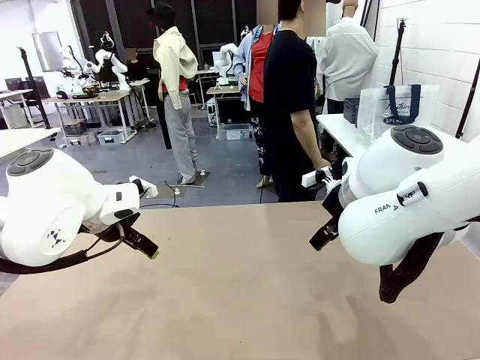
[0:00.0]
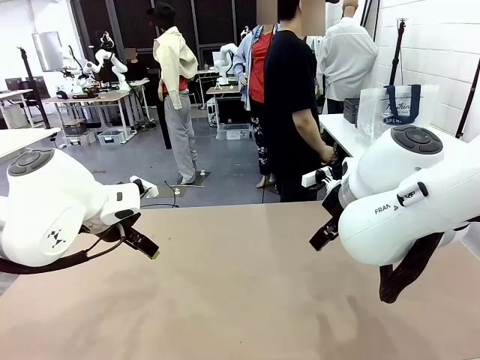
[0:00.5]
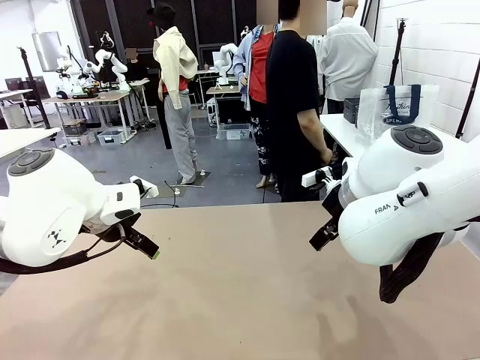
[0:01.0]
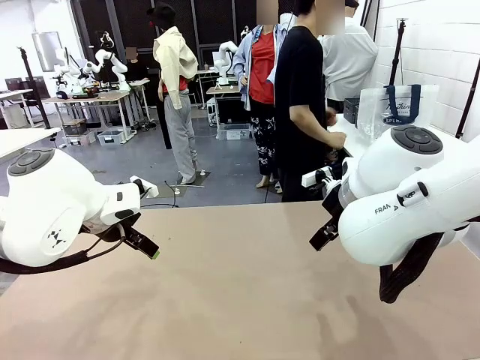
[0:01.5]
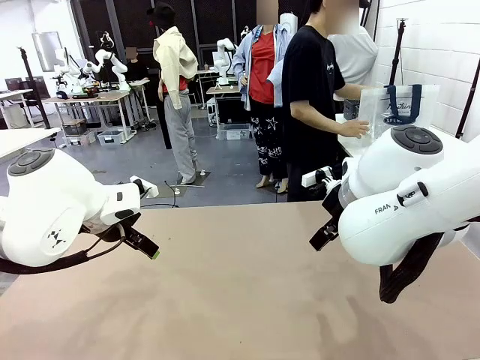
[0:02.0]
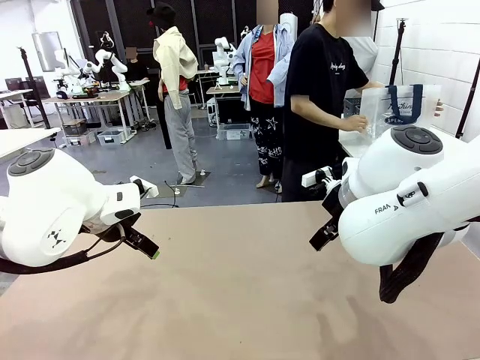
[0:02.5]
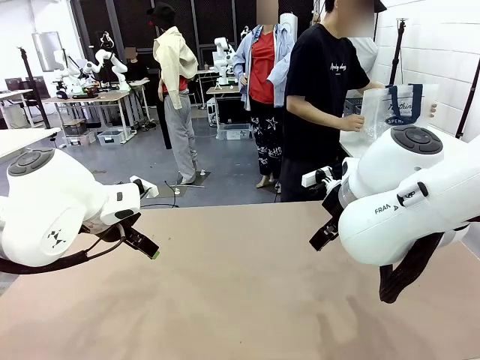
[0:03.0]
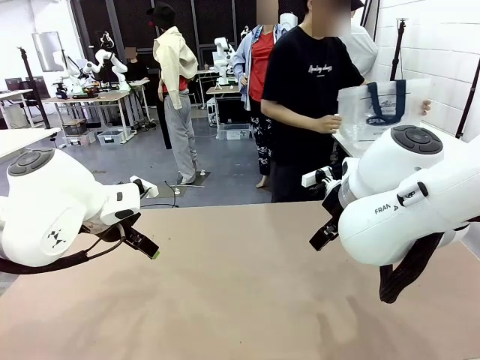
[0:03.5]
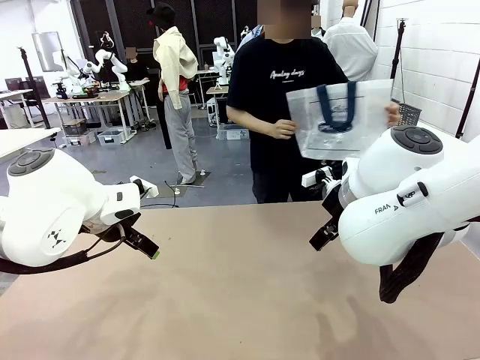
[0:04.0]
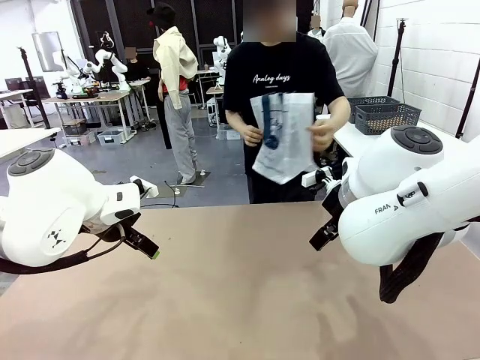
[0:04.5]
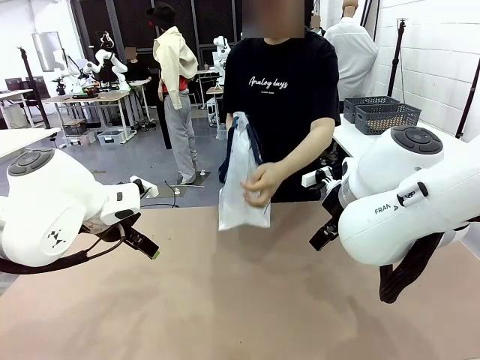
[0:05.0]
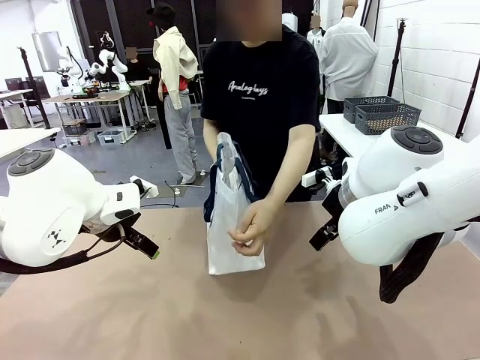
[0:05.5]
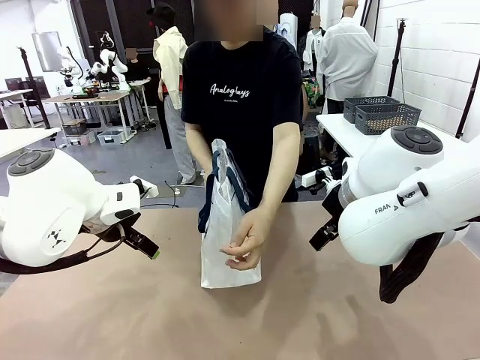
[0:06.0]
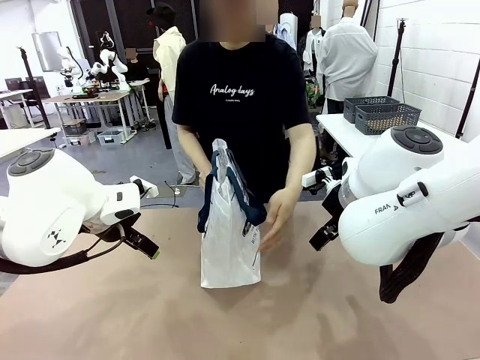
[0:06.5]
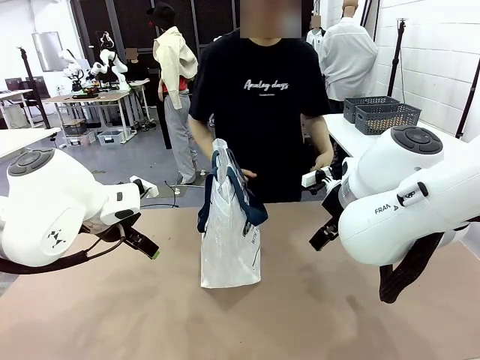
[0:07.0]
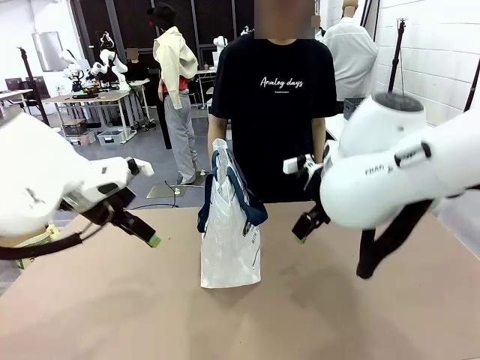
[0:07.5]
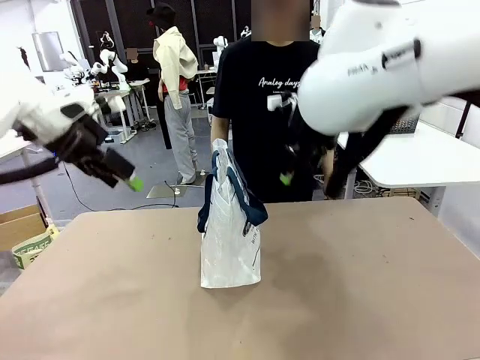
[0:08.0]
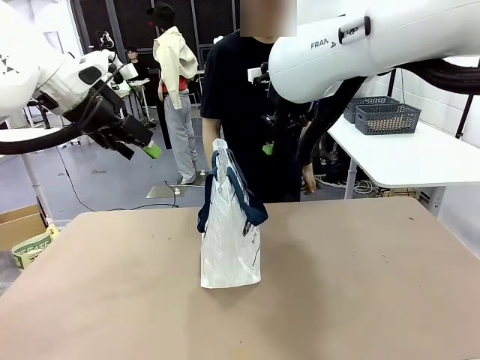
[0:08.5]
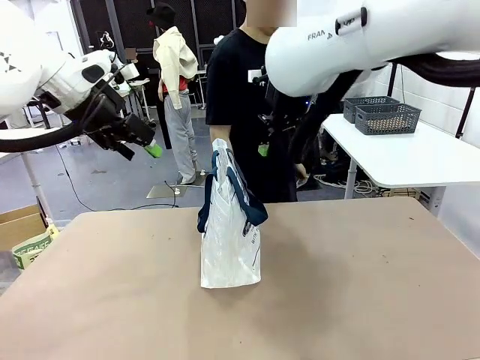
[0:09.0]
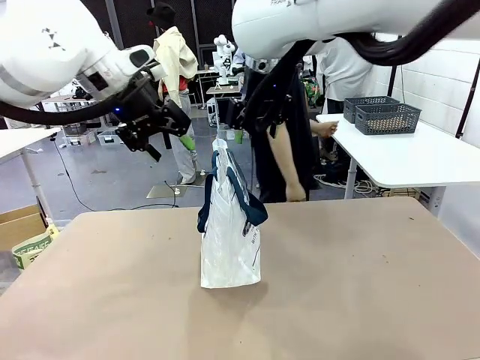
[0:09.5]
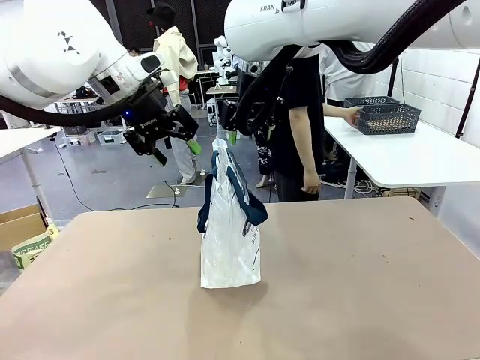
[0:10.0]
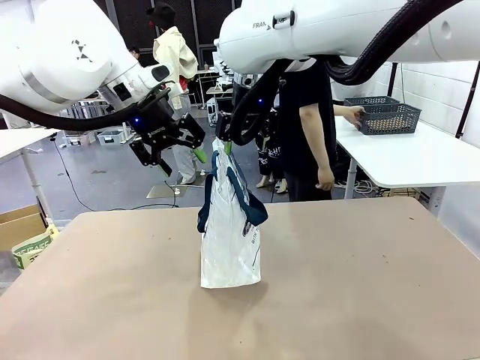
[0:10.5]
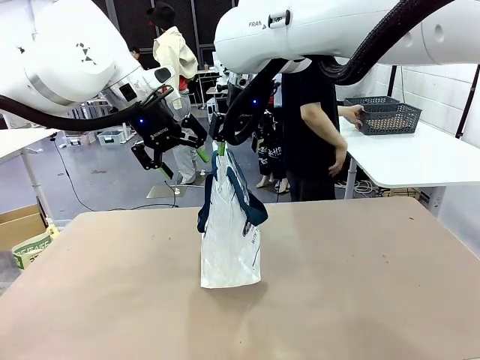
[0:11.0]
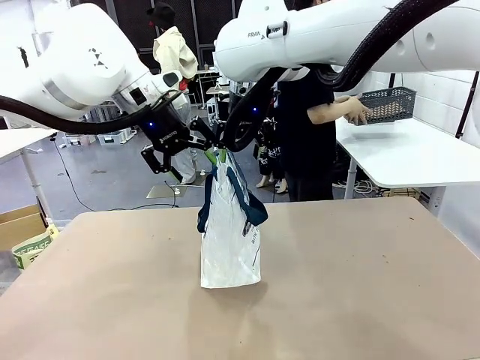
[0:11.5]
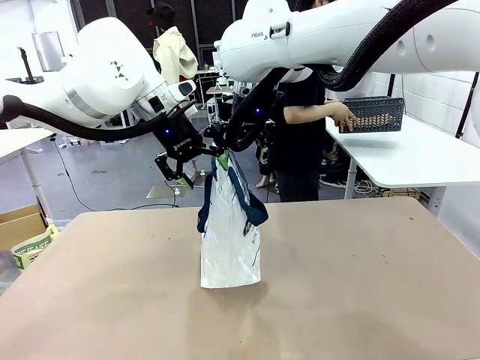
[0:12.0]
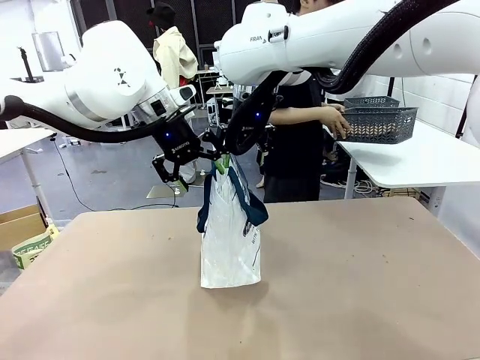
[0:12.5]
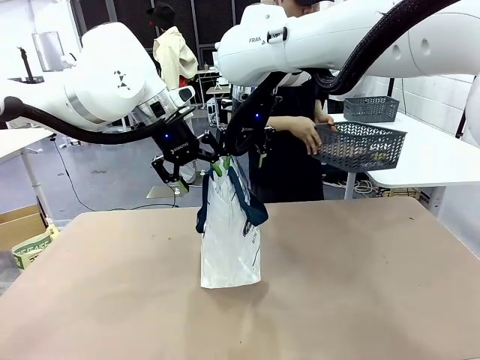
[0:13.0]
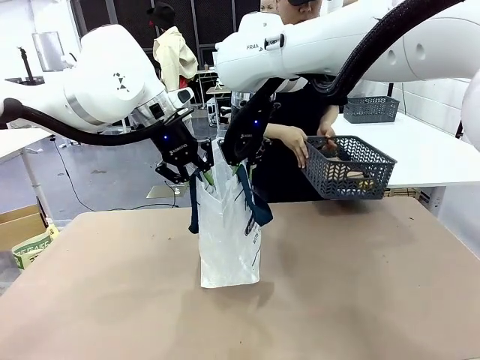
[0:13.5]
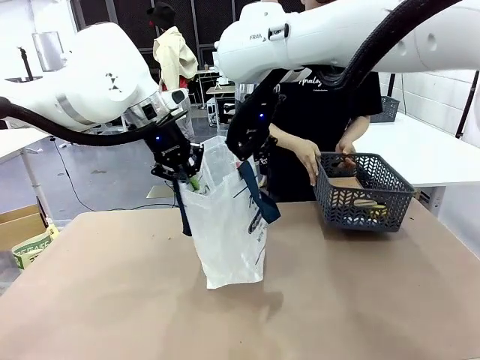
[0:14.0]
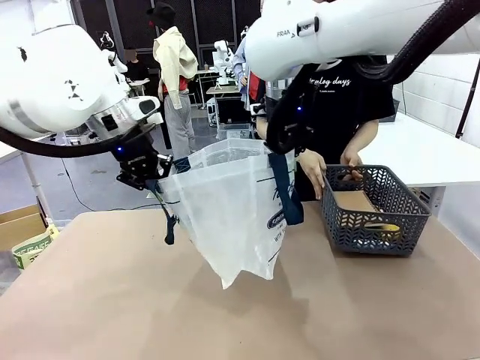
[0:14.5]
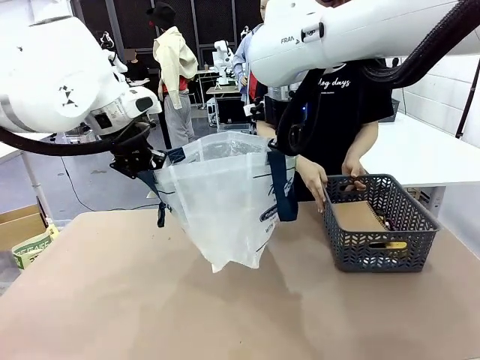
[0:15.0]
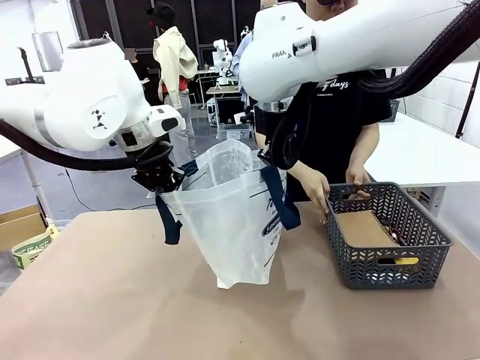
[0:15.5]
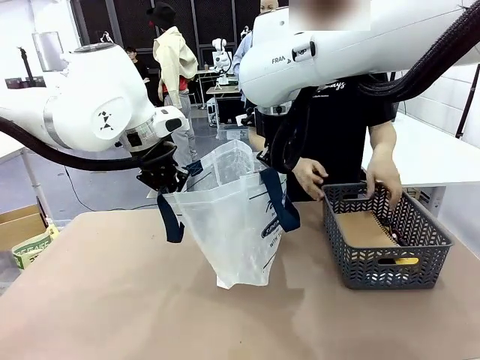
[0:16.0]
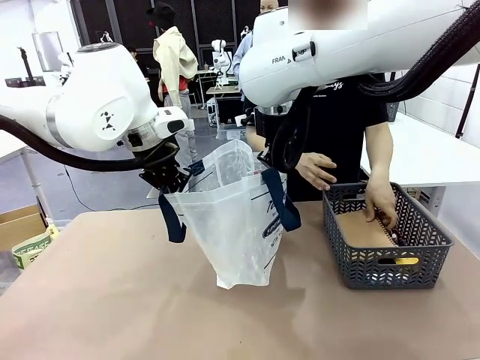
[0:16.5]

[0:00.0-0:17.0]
Task: Transfer purchased items from the store into the shopping bag.
Robot: Open the Reusable shopping bag in the center of the table.
Person: Pick up the shopping bag and place it in the middle of the robot table.

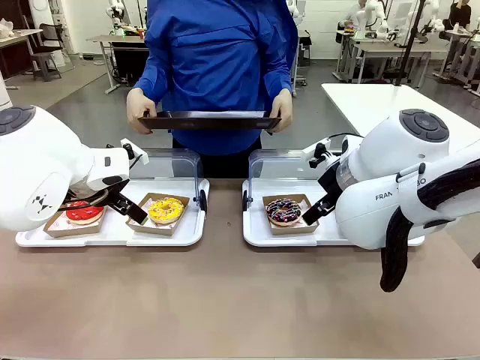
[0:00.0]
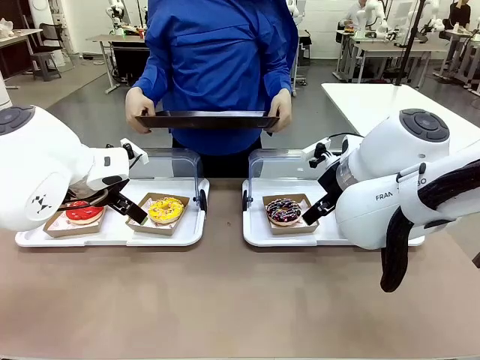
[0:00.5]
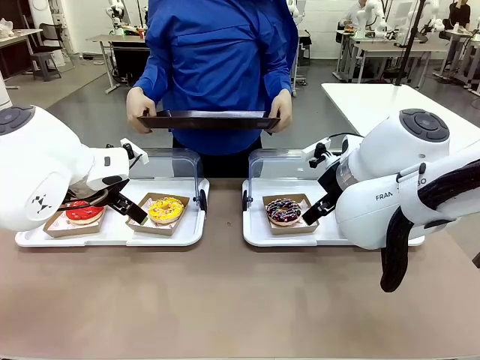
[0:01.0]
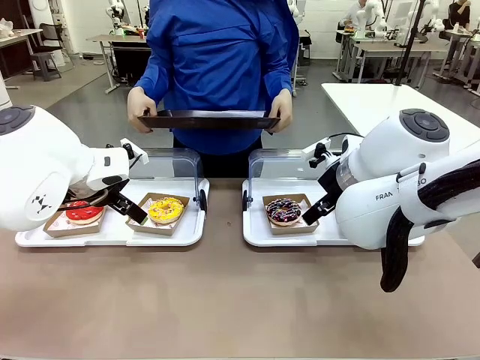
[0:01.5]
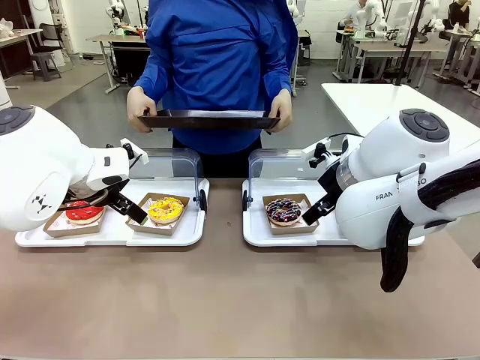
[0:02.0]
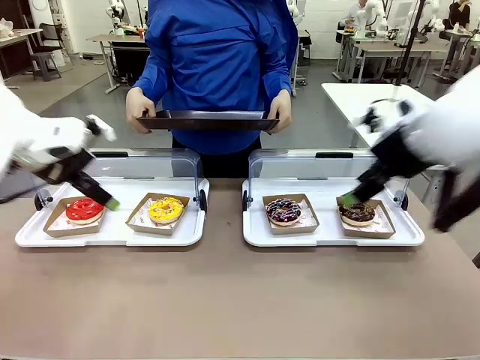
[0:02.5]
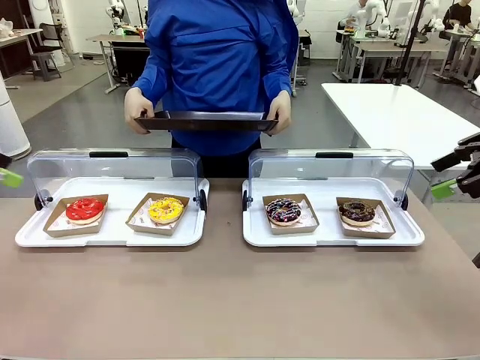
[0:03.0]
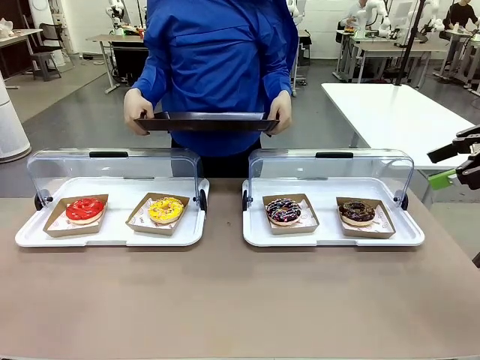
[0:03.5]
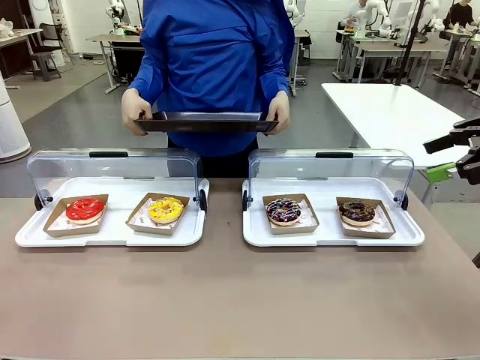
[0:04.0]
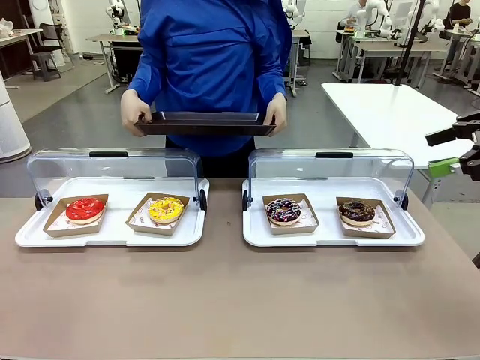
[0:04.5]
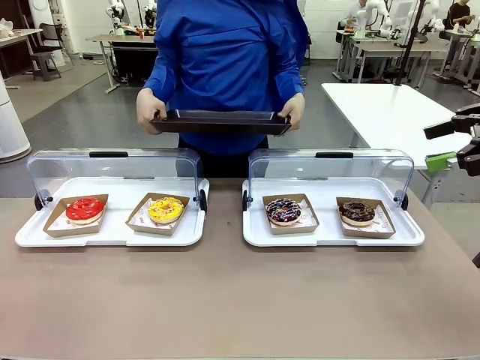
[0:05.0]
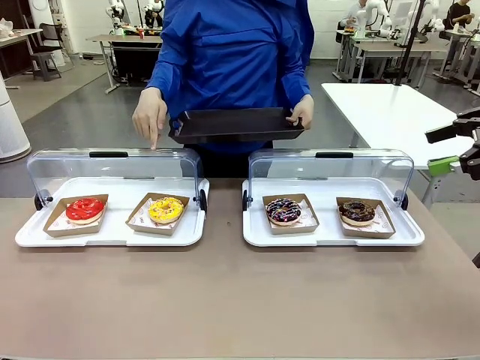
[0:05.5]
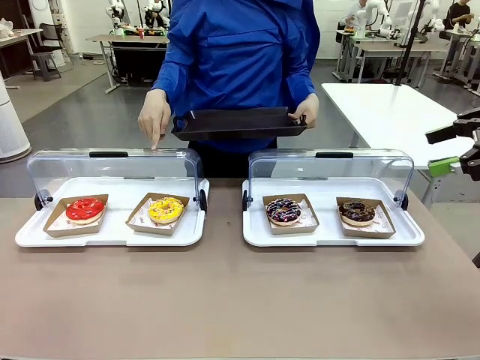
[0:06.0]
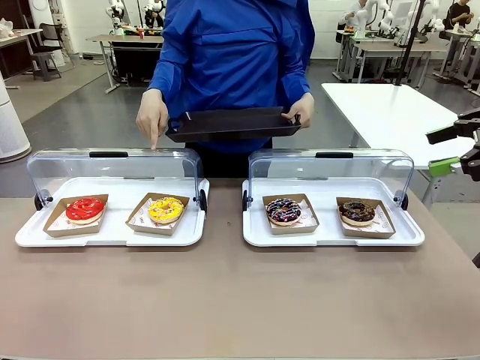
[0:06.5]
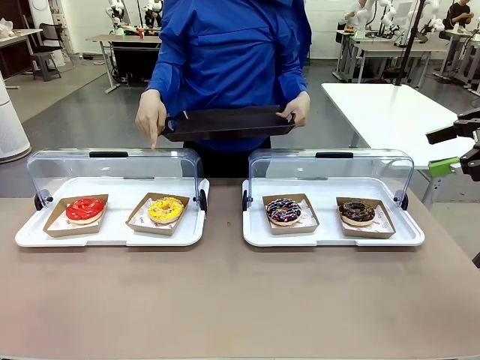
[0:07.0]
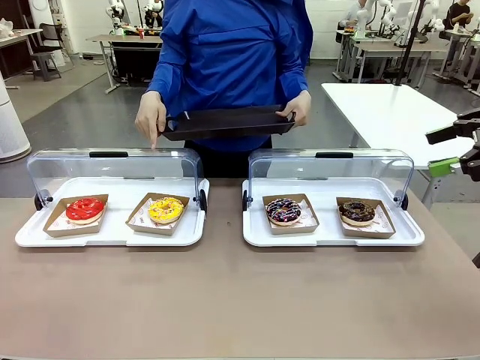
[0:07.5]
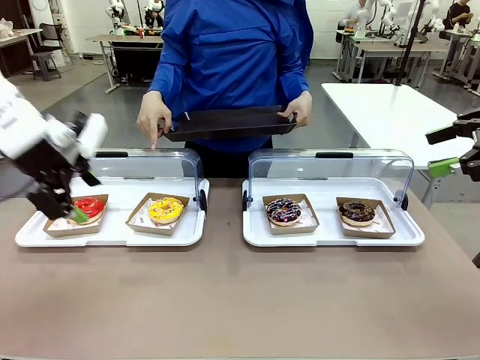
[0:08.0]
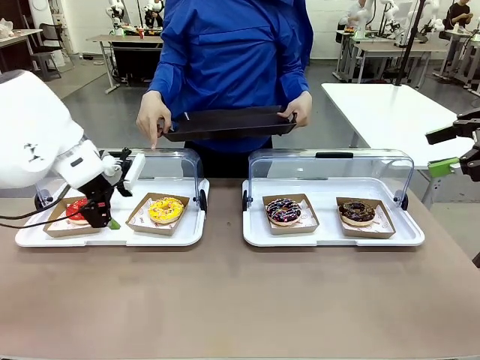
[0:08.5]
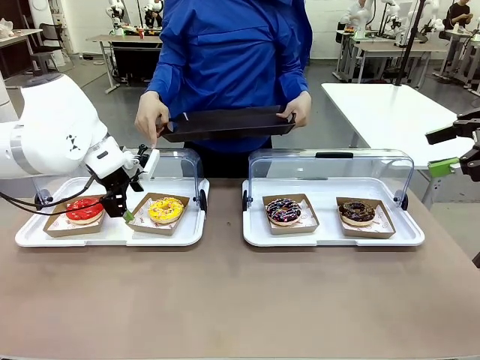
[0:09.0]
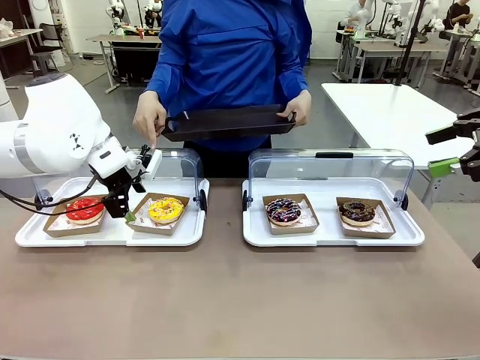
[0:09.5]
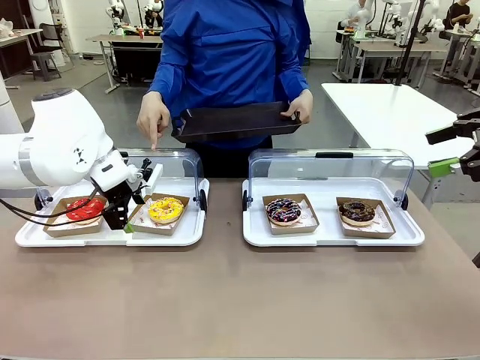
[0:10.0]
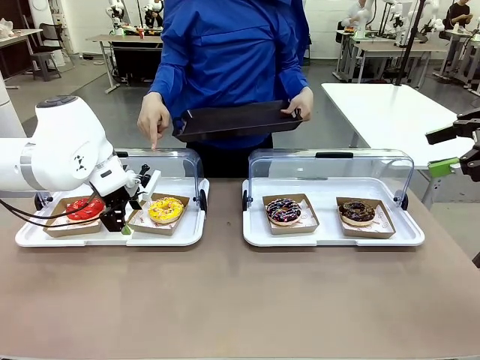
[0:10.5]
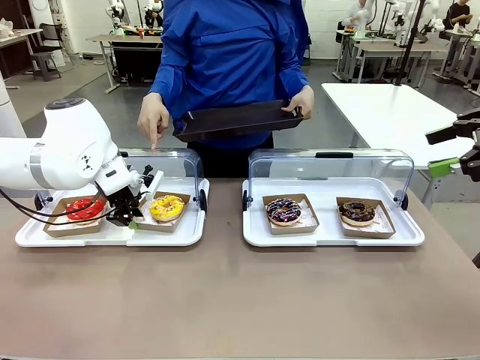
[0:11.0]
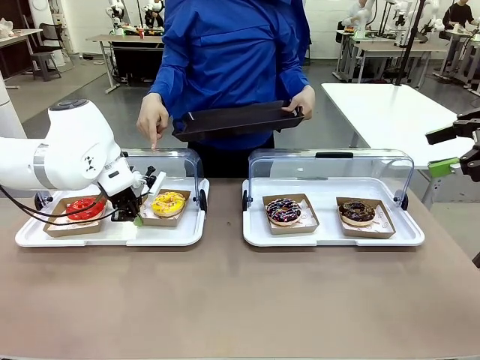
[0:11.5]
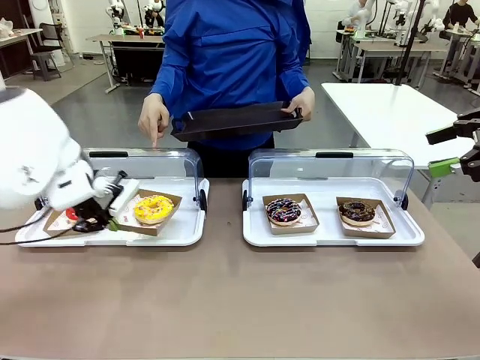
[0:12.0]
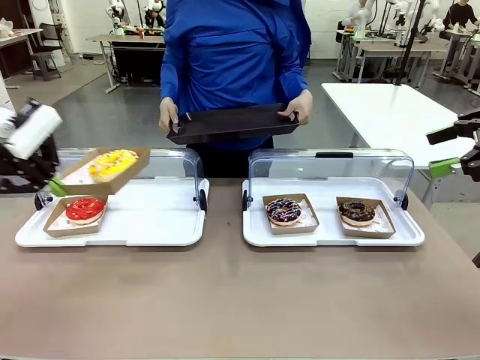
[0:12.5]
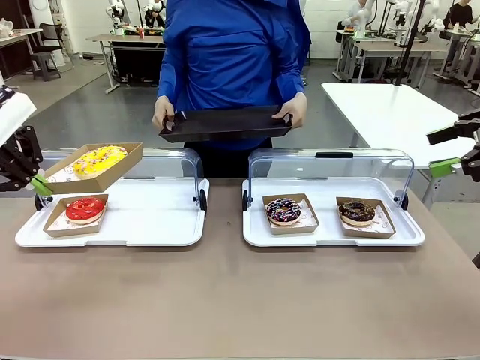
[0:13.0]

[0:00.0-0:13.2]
Task: Provide the desired donut to the person.
Robot: Pick up and lift the Paper togo box containing the Donut pointed at by the person.
Person: Point to one donut. Lift the tray onto the Roll-Top Bakery Case.
